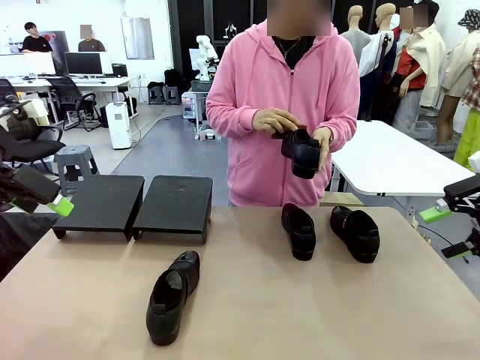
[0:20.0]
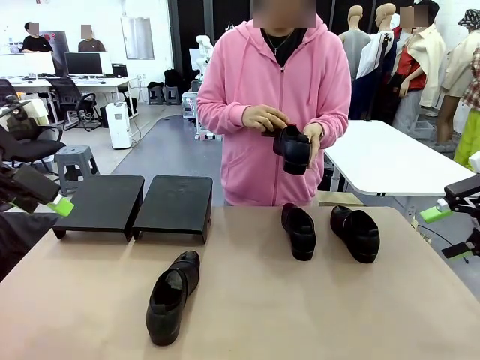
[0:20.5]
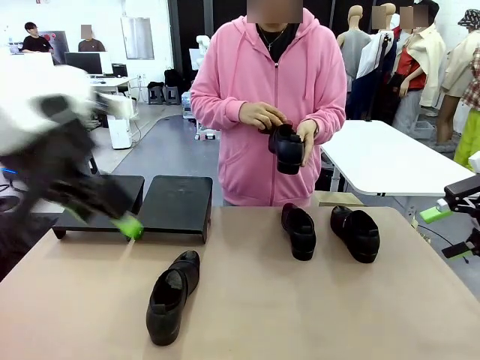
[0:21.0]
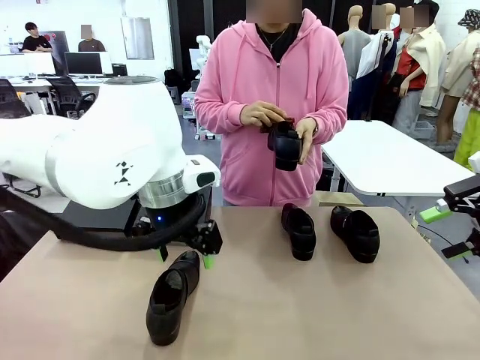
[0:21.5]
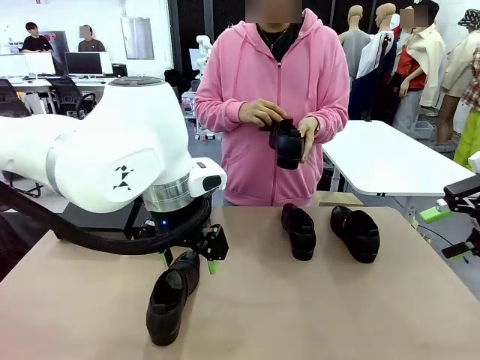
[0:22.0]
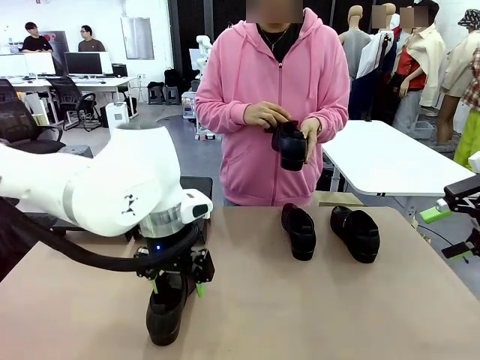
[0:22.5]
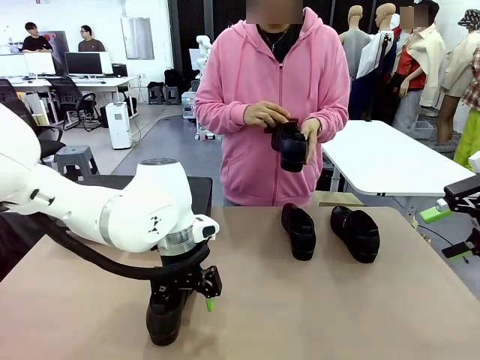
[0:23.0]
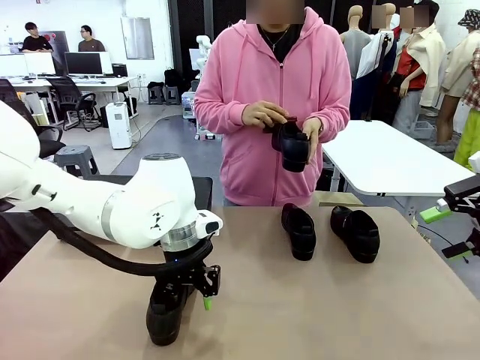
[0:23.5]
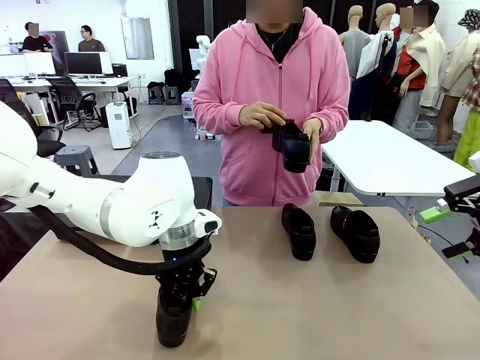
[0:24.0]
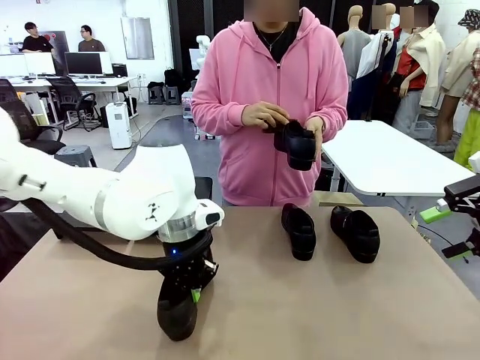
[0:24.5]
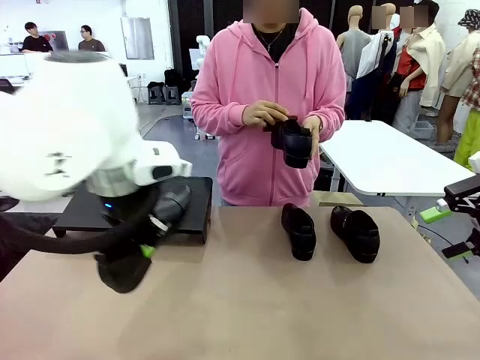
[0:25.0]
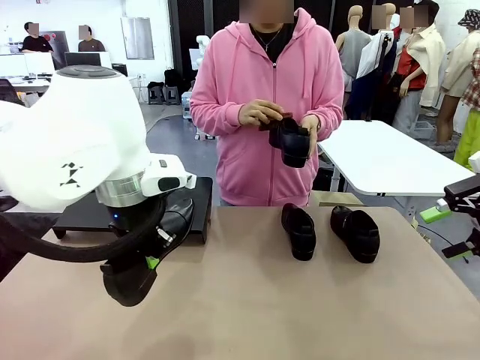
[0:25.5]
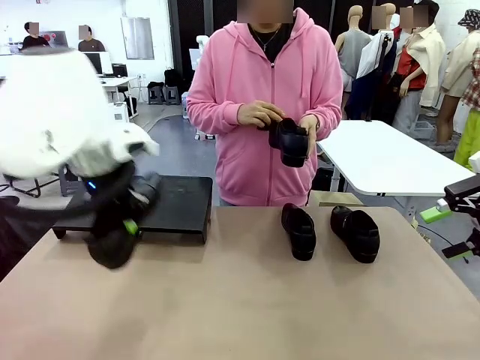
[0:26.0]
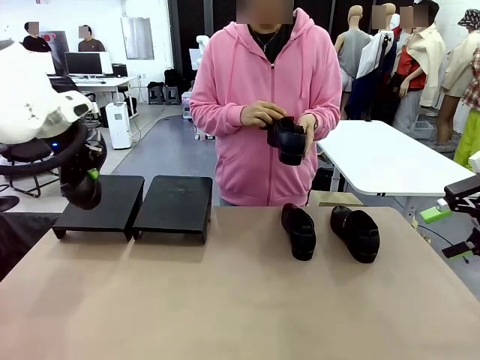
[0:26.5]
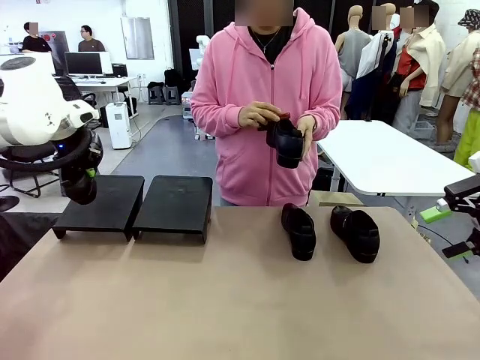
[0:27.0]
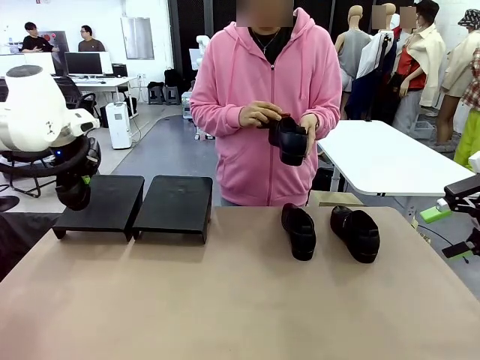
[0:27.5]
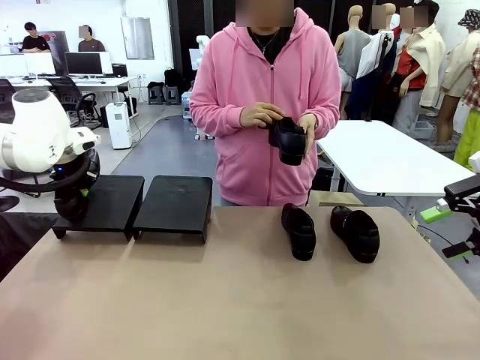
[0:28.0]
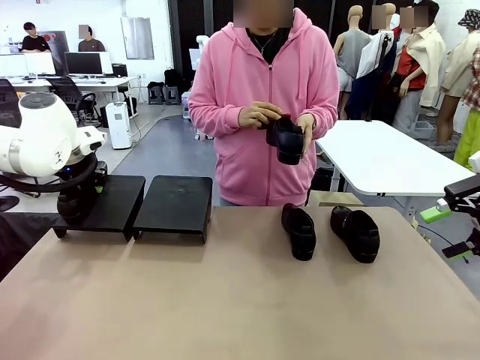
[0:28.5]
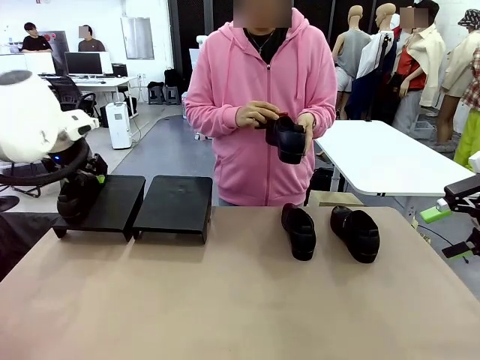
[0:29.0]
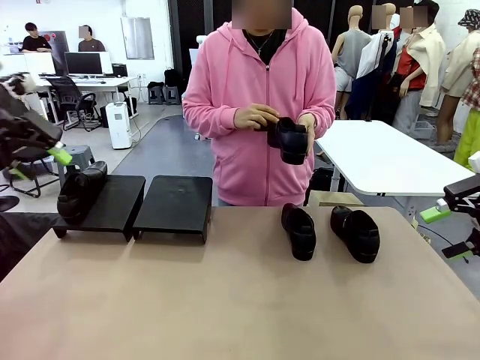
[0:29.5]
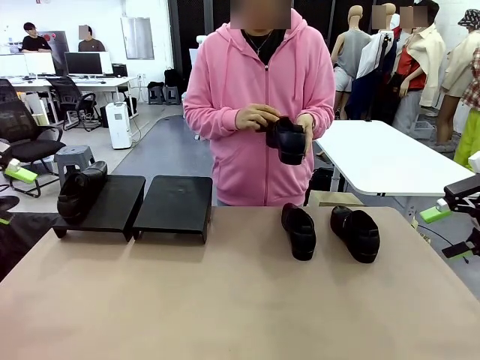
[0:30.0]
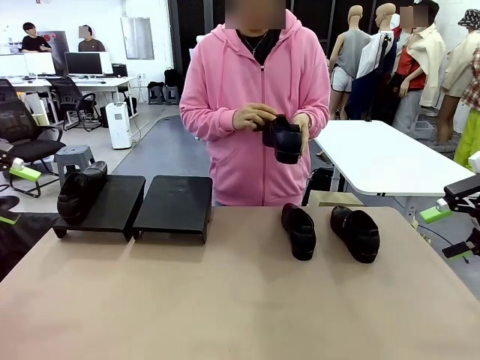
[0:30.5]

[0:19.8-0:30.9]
Task: Organize the shoes by placing them on the stand.
Robot: Place the Shoe from the middle of the table onto the Shoes Stand.
Person: Clean the Shoe with the Shoe Brush.

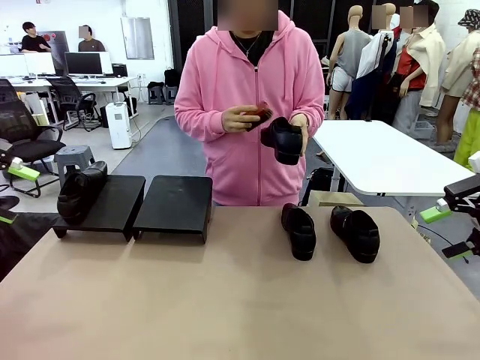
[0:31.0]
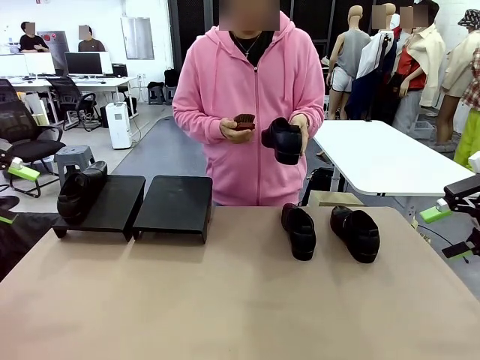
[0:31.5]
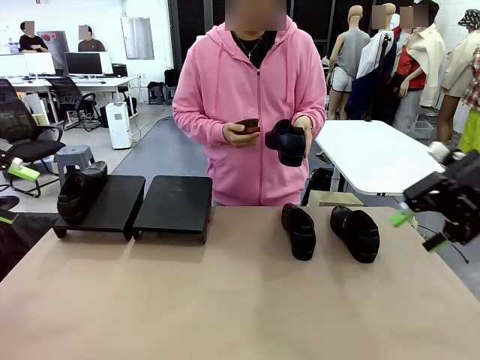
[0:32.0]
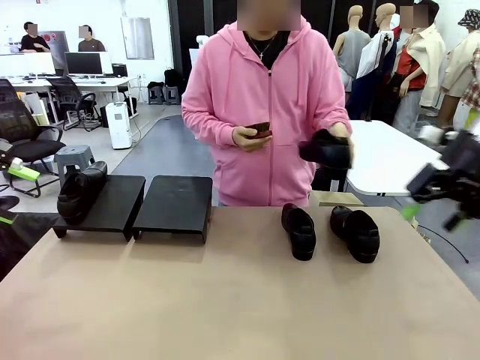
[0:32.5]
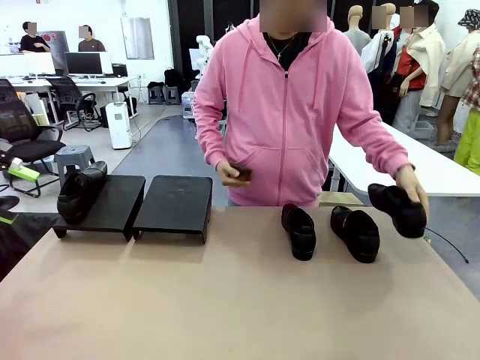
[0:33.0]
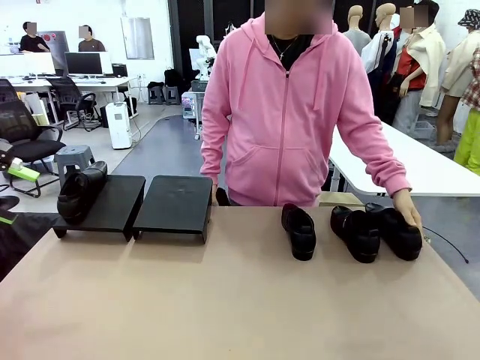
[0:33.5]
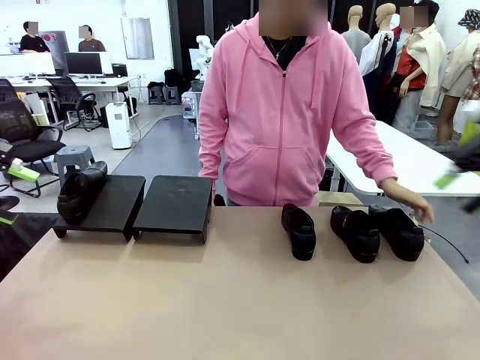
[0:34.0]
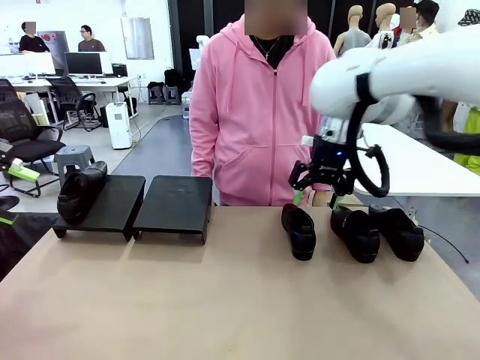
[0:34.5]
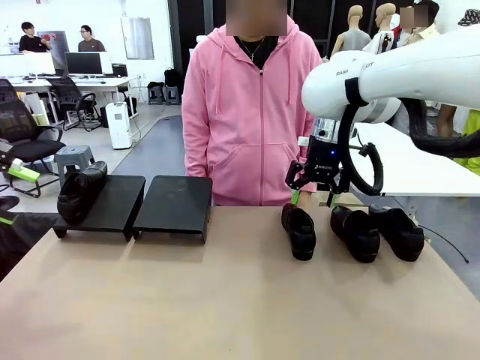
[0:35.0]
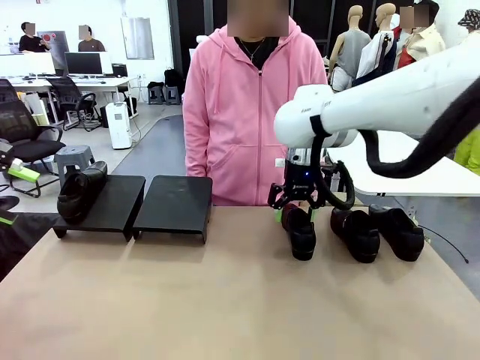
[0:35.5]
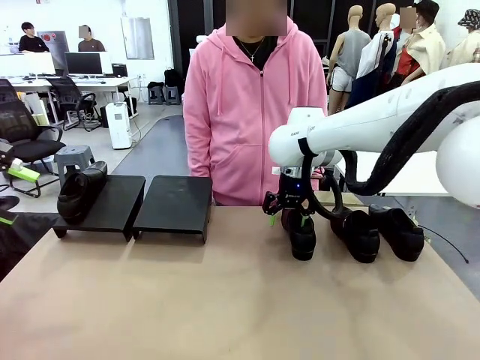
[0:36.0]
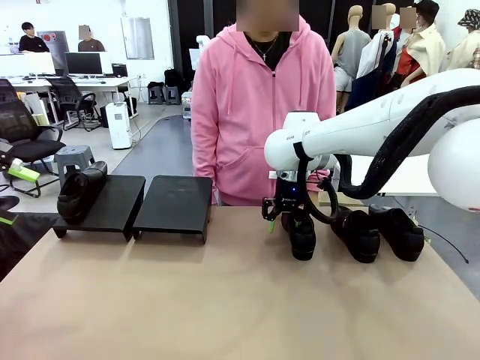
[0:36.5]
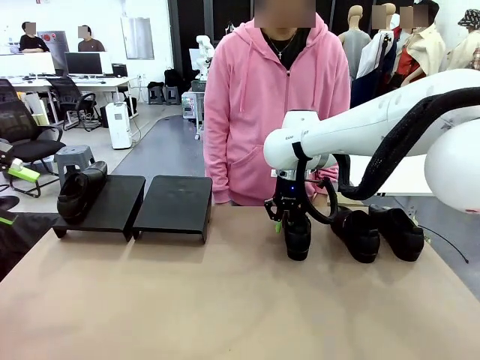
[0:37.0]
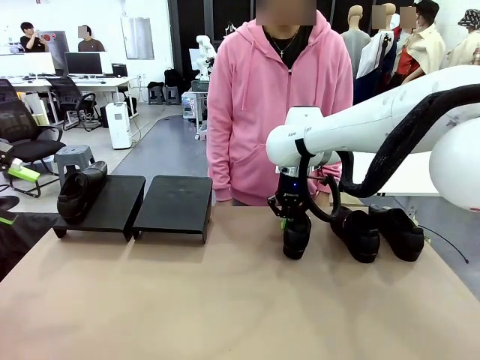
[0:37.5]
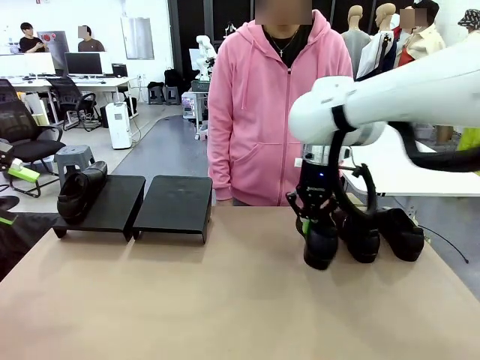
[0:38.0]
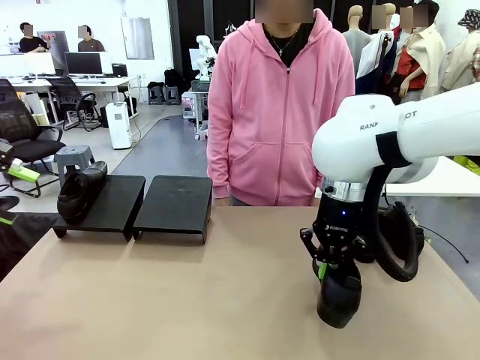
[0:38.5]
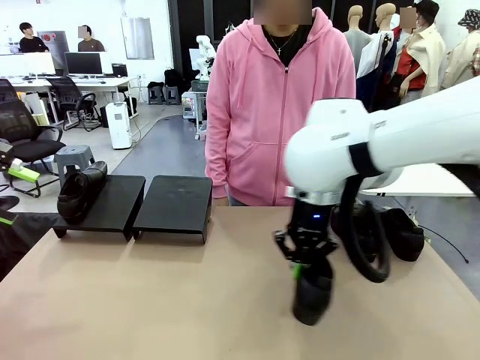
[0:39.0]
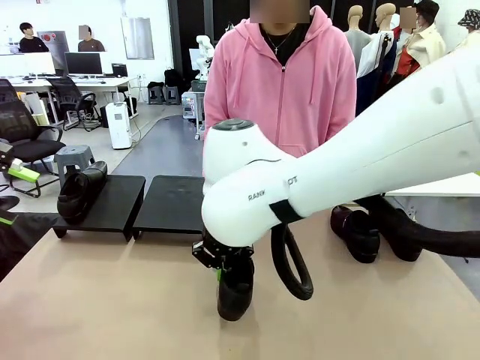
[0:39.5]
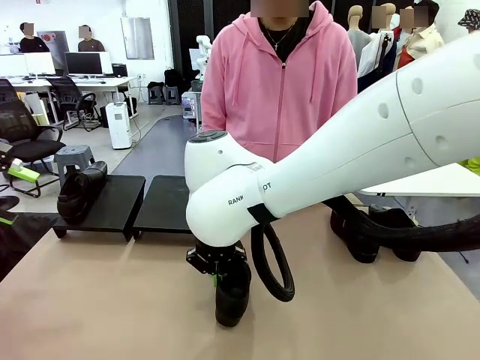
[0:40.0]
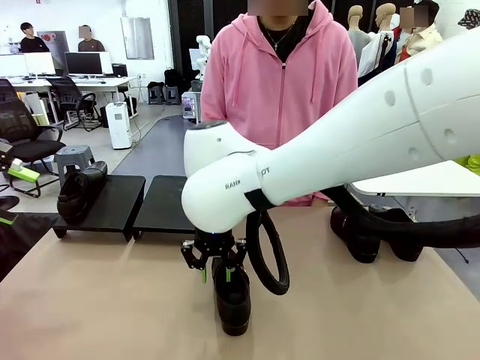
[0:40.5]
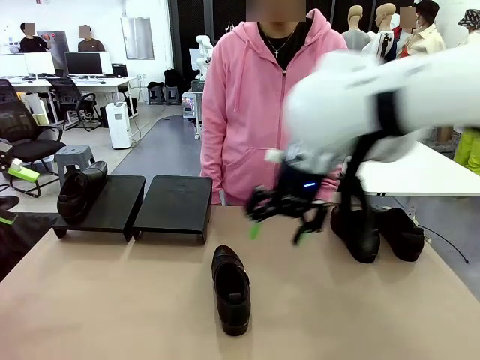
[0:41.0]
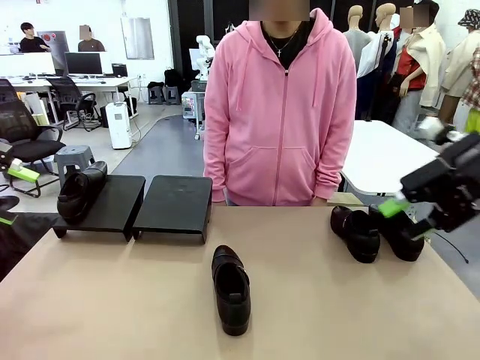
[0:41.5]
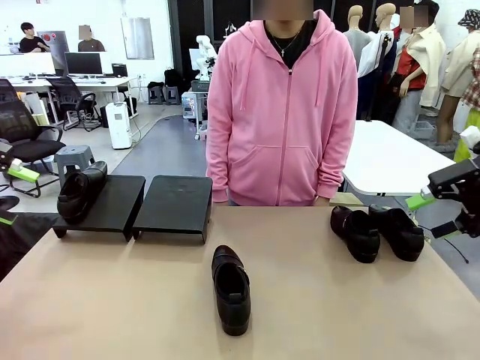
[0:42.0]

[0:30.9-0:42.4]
Robot: Pick up one Shoe and place it in the middle of the table.

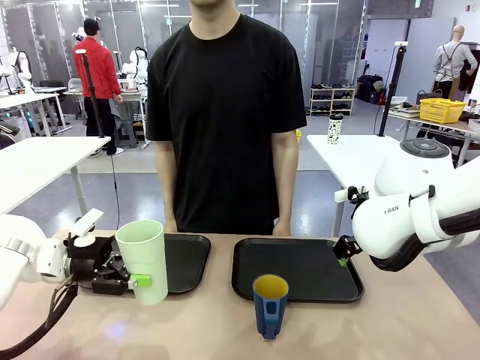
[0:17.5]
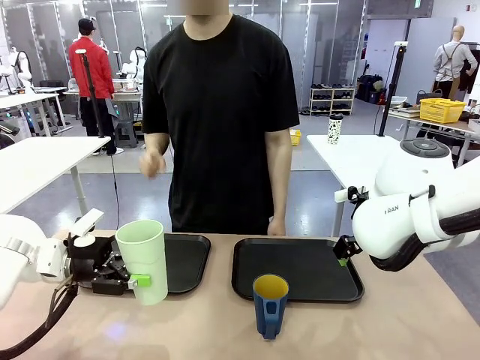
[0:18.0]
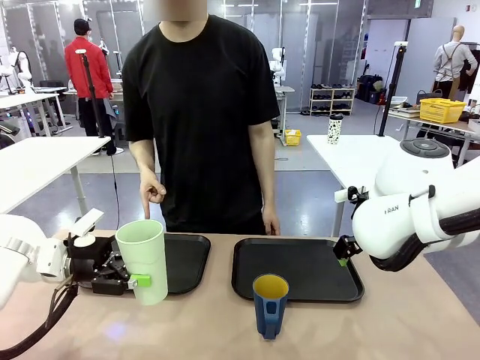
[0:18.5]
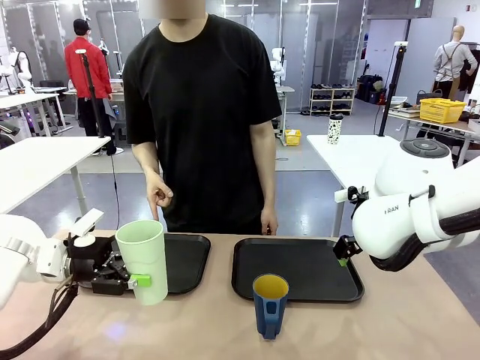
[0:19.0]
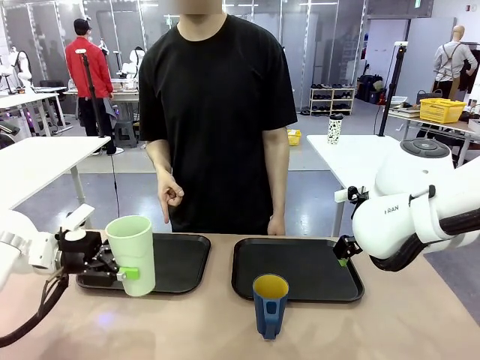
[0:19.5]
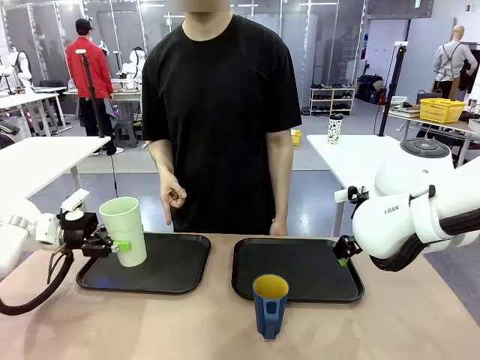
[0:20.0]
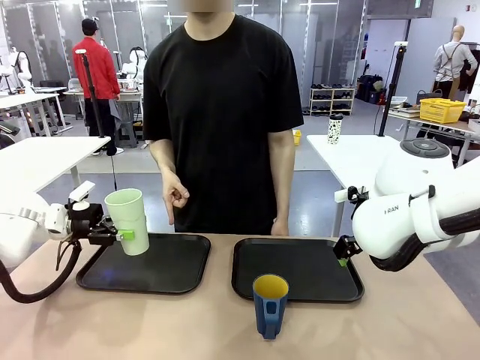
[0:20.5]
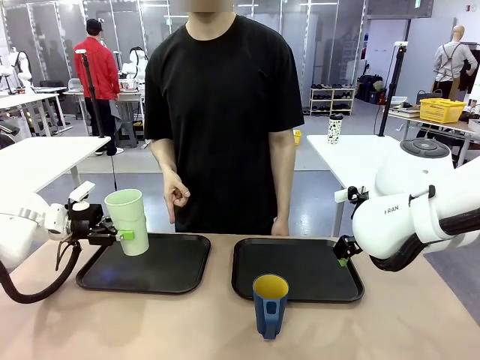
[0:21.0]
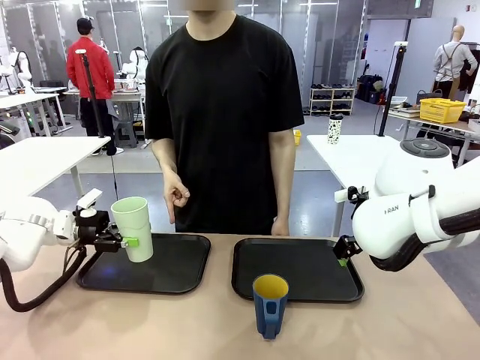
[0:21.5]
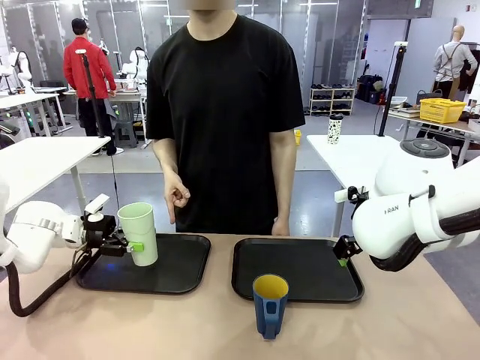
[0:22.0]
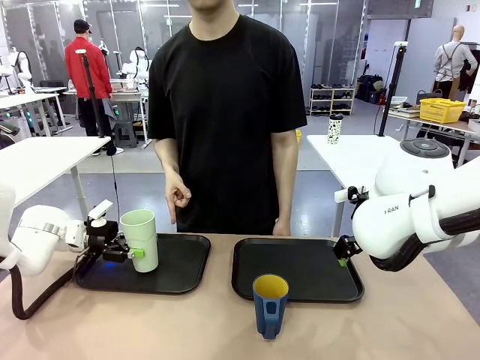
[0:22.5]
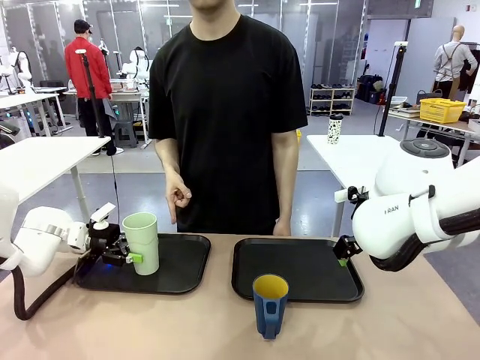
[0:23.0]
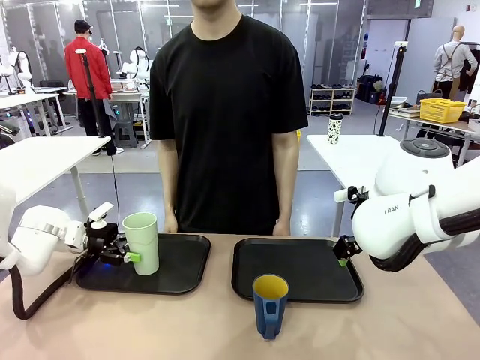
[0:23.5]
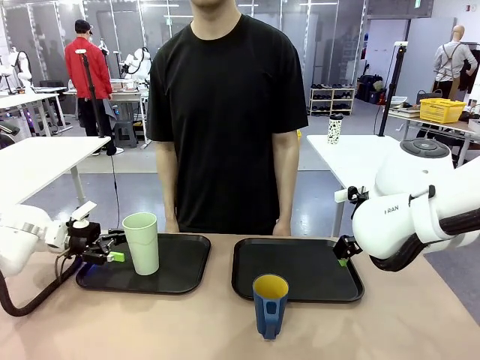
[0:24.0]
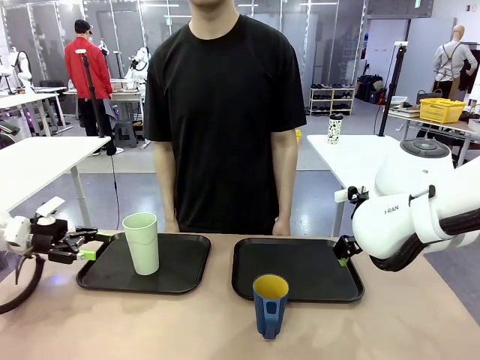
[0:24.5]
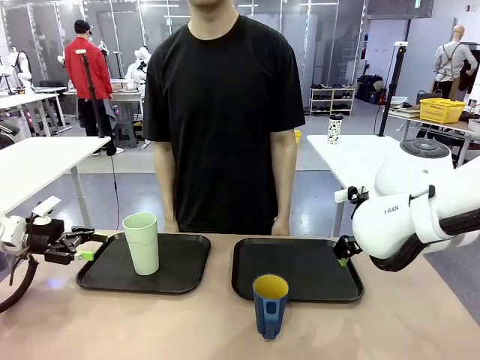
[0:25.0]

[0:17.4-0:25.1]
Task: Sort and store the cups by type.
Robot: Place the picked Reusable plastic cup into the Flat Tray indicated by the person.
